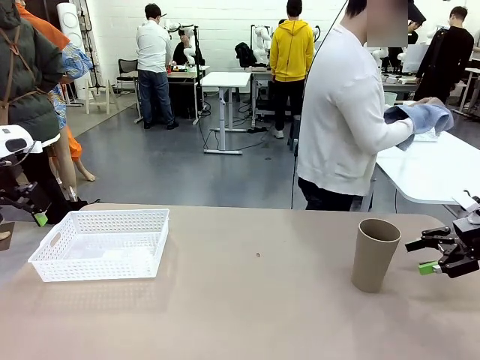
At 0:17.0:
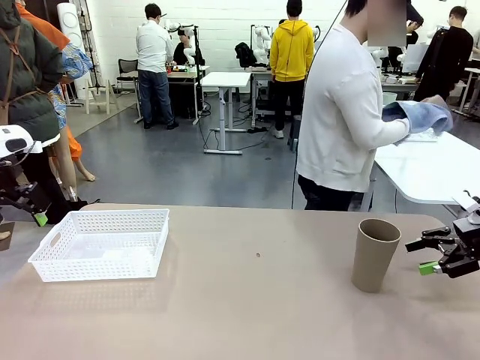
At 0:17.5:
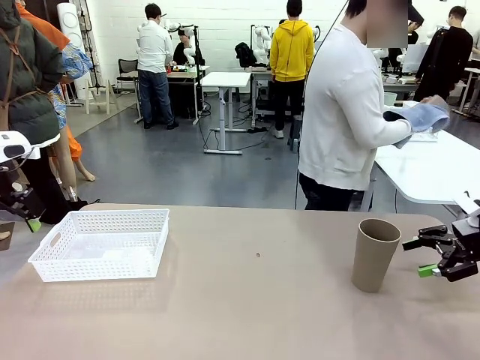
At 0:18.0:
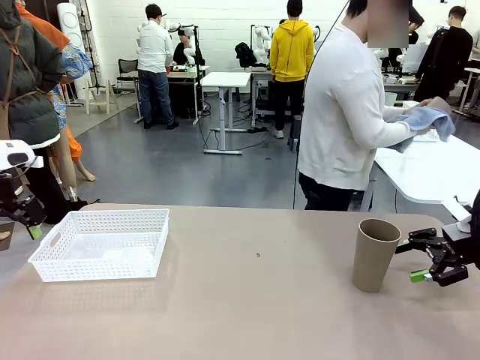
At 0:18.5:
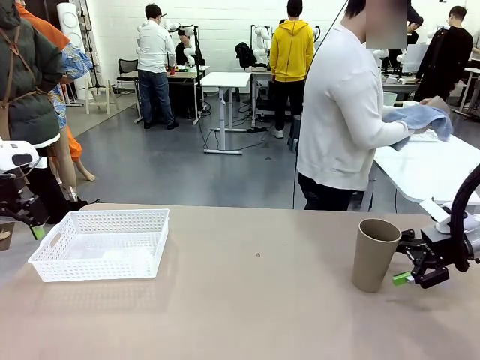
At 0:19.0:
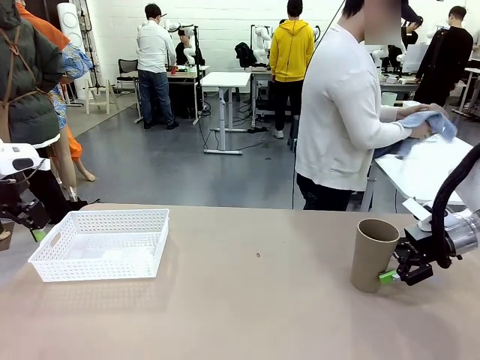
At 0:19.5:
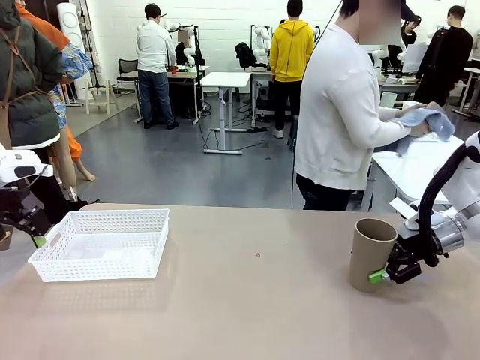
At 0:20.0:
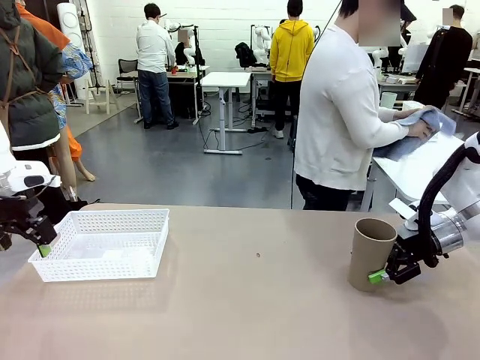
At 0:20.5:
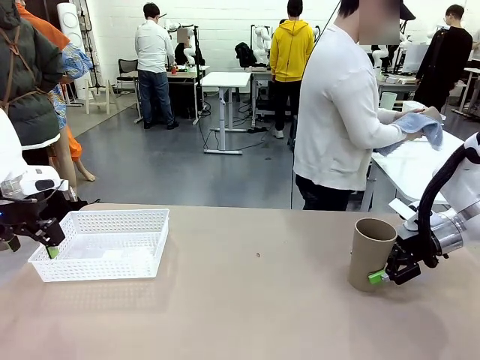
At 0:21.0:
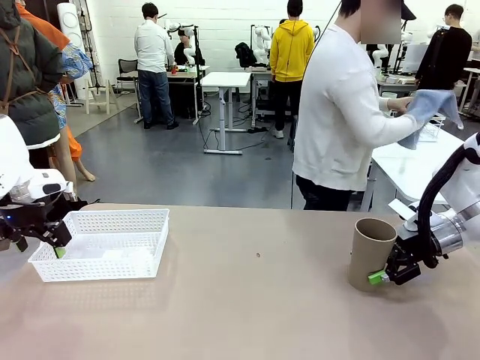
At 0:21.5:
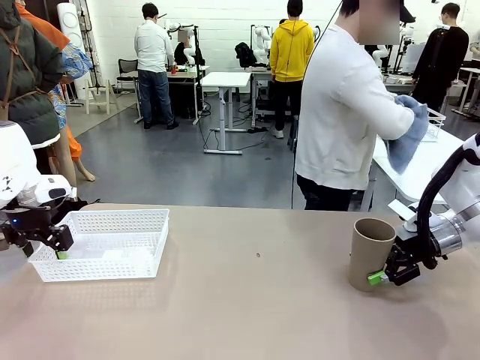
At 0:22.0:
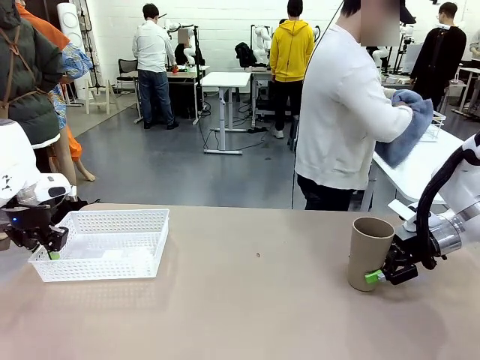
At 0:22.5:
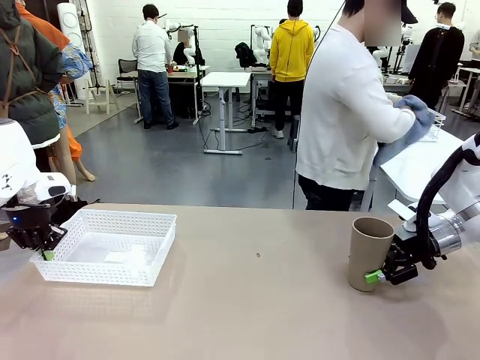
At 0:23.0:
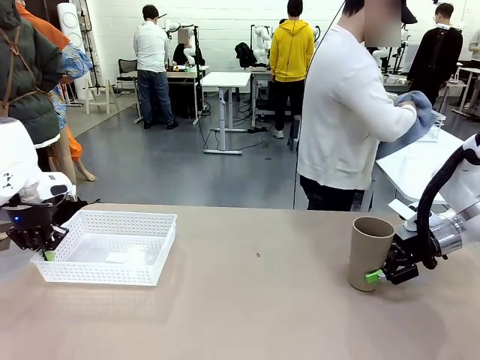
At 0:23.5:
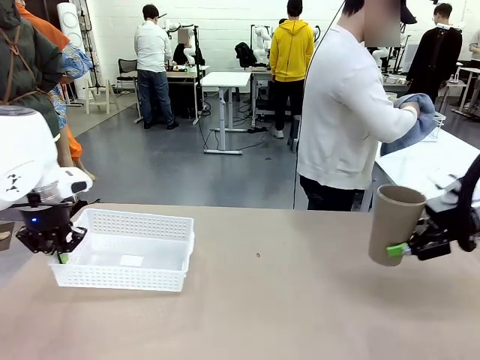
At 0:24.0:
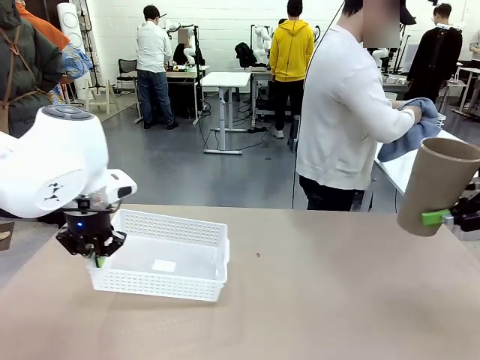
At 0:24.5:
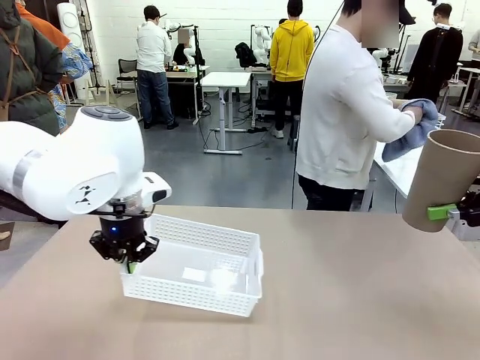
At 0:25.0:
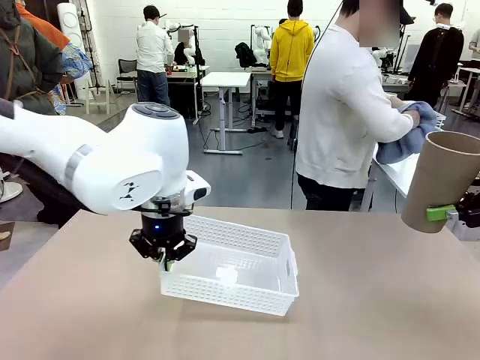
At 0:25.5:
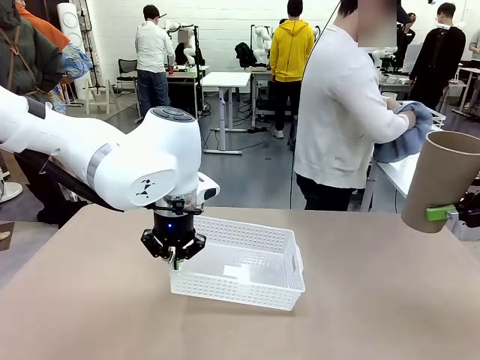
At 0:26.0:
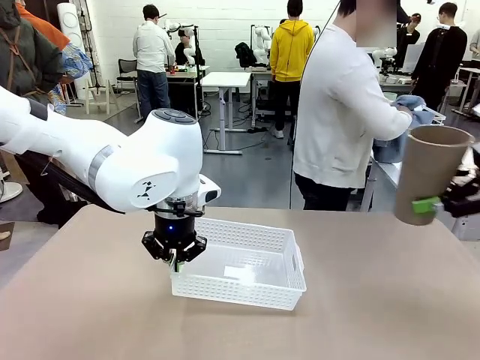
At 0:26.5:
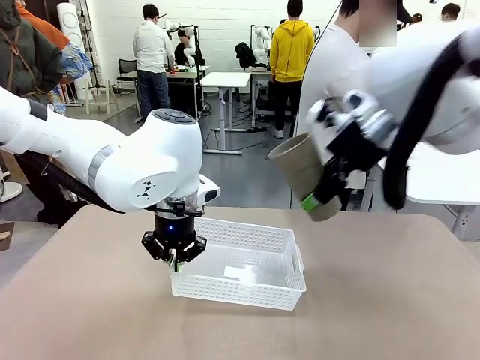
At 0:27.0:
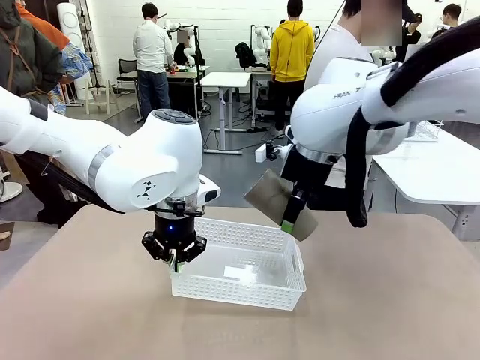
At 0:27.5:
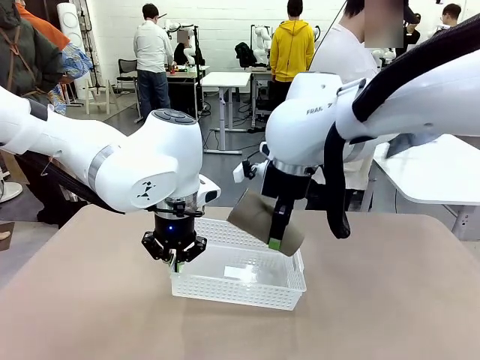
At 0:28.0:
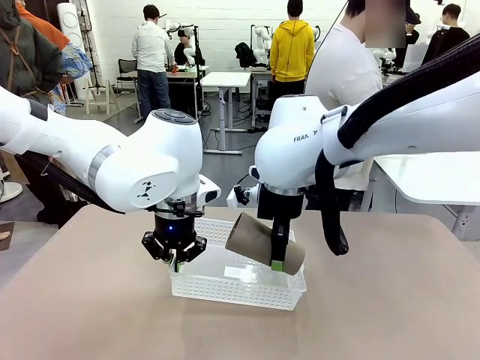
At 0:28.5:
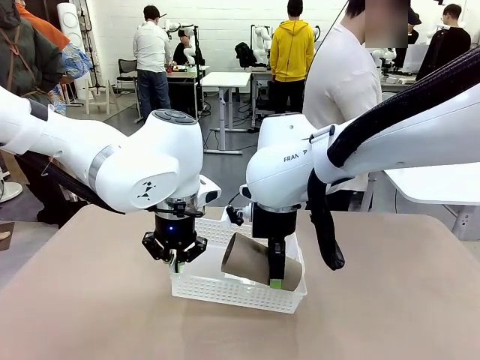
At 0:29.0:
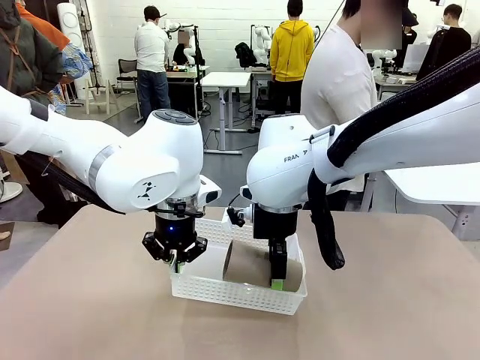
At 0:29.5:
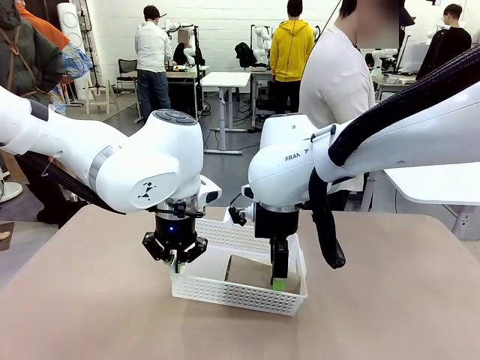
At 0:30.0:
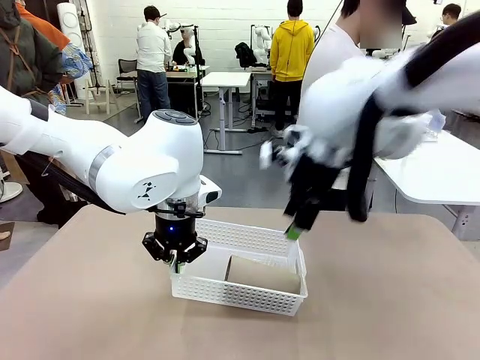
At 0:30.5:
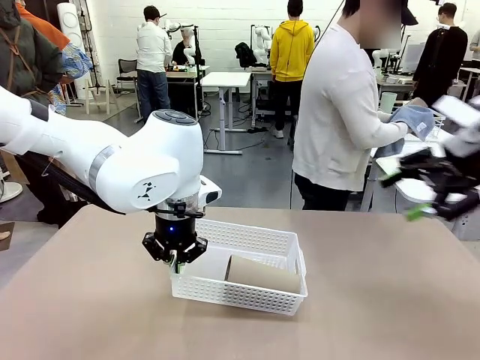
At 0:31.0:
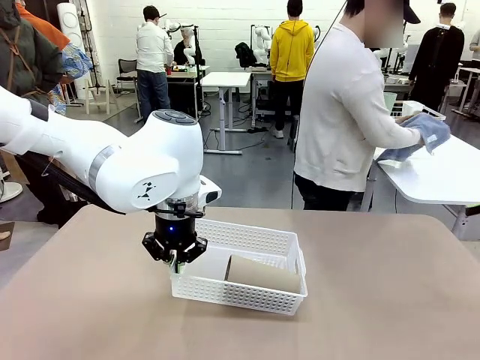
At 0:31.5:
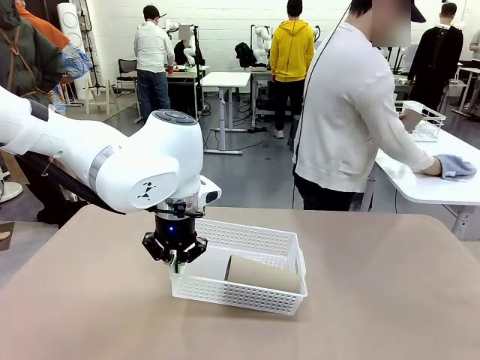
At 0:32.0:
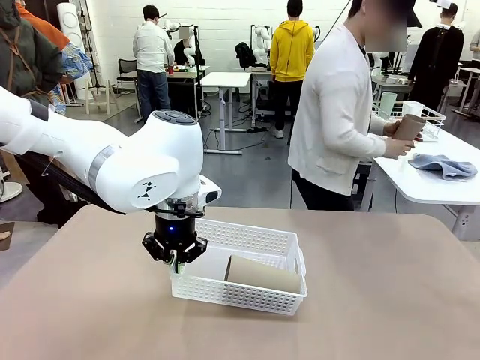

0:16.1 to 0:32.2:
Task: Clean and organize the cups into the basket.
Robot: Pick up the Organizing basket and move it to the center of the table, then pick up the Reusable plastic cup from the right side of the table and place it inside the Organizing basket.
